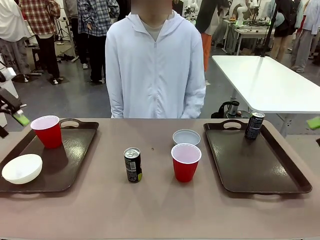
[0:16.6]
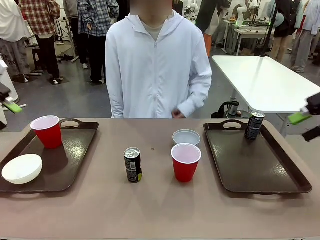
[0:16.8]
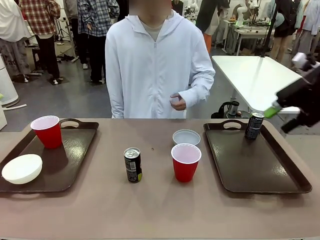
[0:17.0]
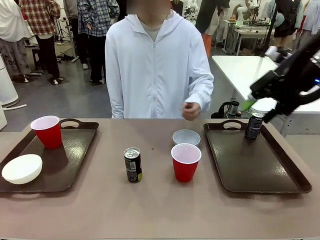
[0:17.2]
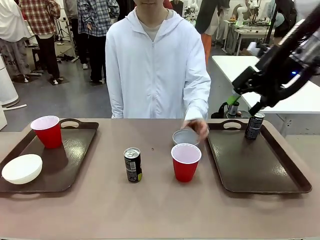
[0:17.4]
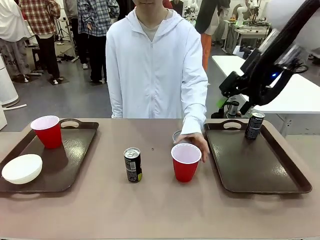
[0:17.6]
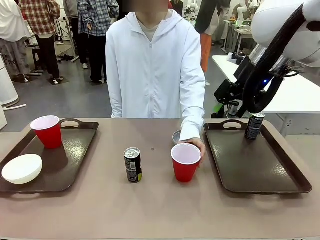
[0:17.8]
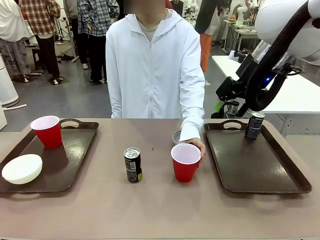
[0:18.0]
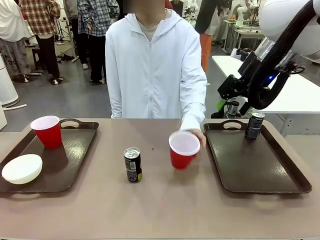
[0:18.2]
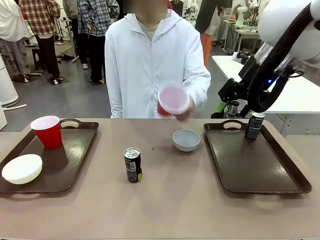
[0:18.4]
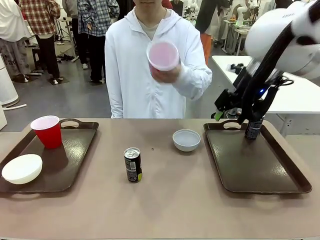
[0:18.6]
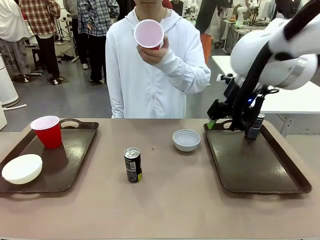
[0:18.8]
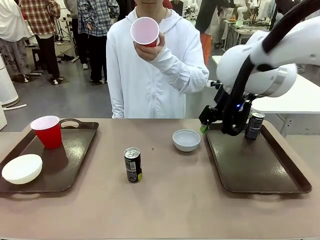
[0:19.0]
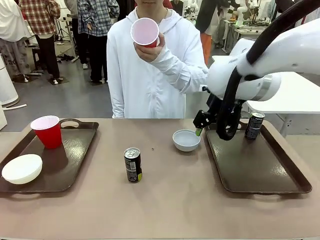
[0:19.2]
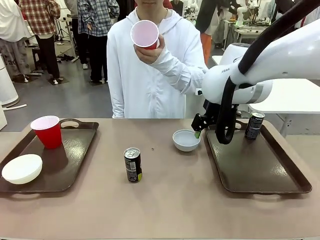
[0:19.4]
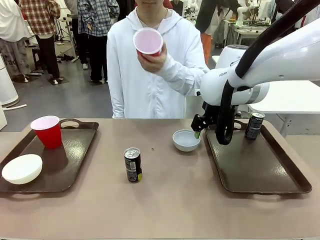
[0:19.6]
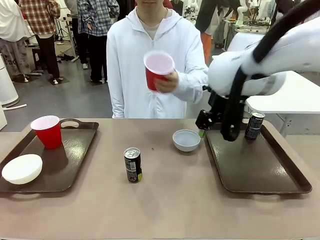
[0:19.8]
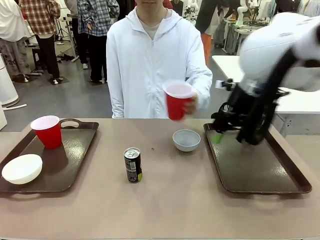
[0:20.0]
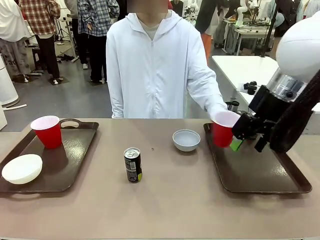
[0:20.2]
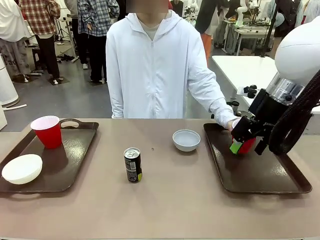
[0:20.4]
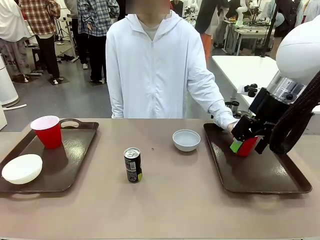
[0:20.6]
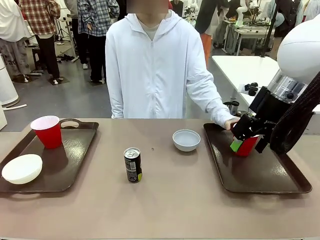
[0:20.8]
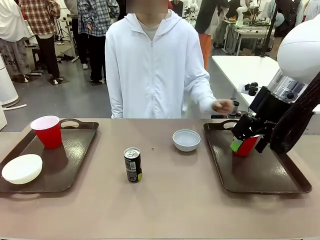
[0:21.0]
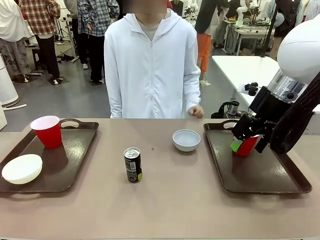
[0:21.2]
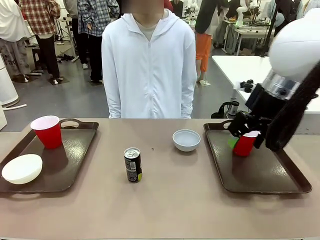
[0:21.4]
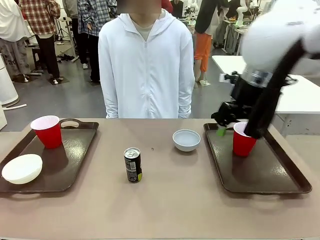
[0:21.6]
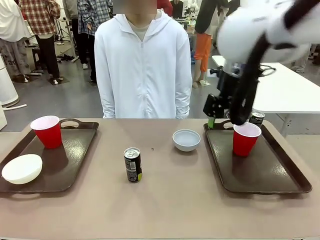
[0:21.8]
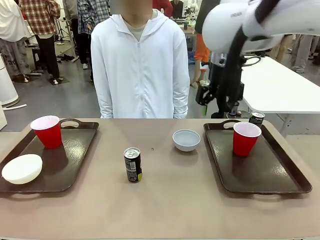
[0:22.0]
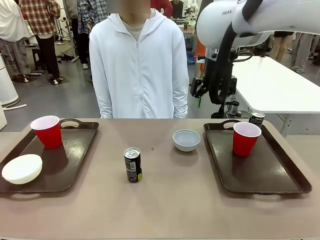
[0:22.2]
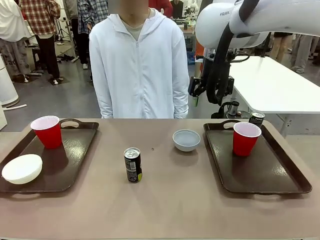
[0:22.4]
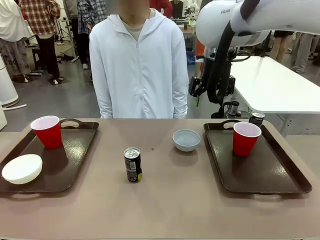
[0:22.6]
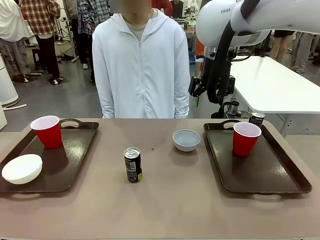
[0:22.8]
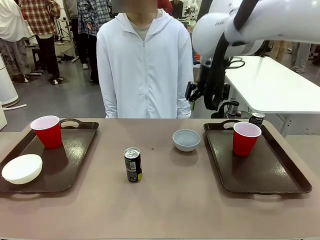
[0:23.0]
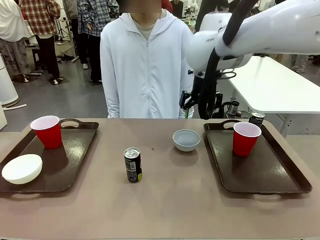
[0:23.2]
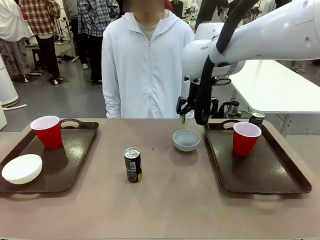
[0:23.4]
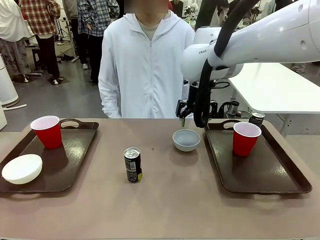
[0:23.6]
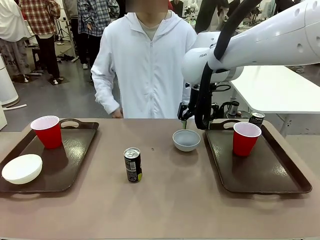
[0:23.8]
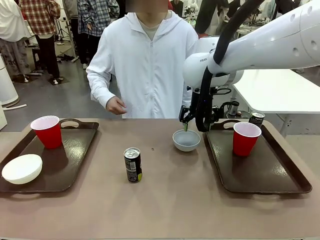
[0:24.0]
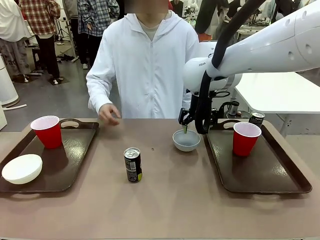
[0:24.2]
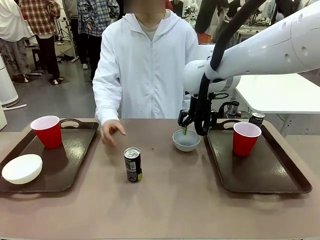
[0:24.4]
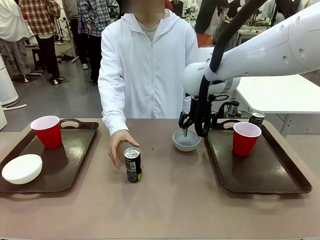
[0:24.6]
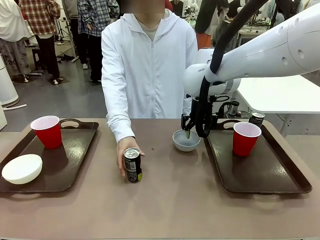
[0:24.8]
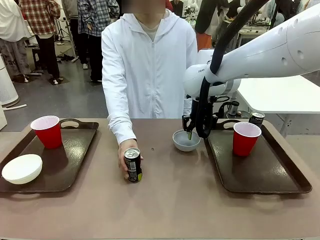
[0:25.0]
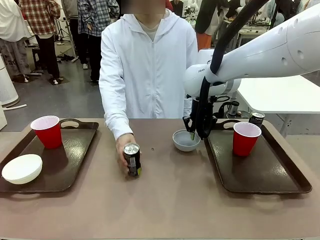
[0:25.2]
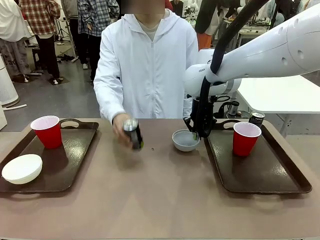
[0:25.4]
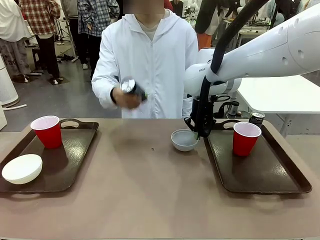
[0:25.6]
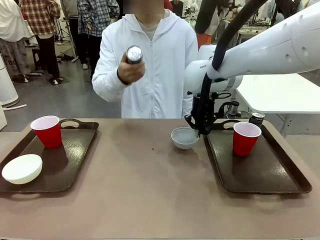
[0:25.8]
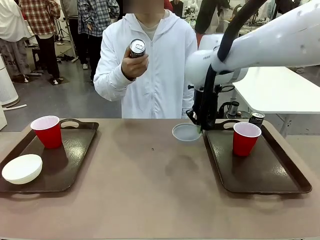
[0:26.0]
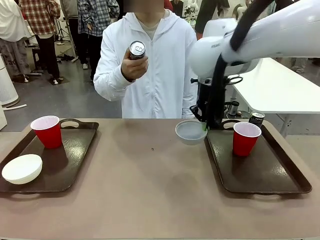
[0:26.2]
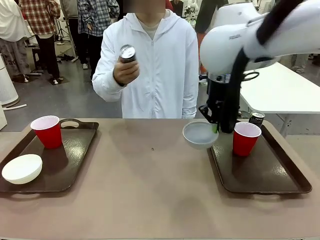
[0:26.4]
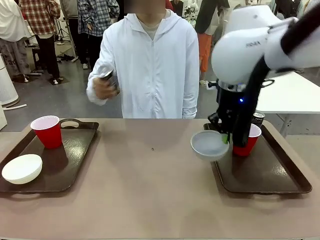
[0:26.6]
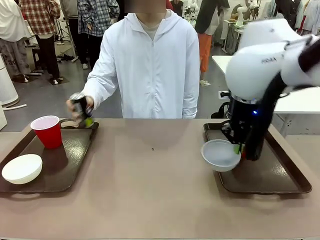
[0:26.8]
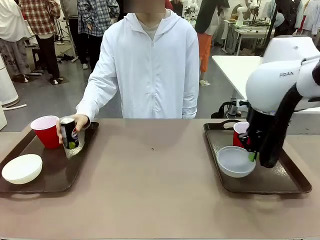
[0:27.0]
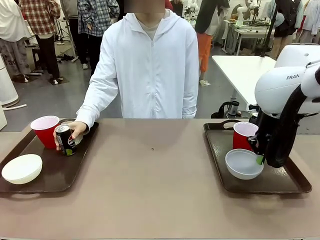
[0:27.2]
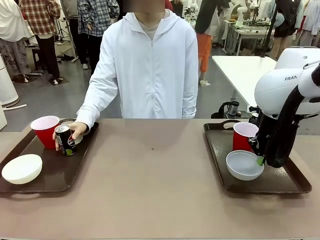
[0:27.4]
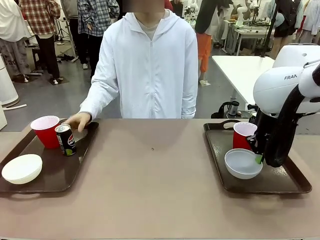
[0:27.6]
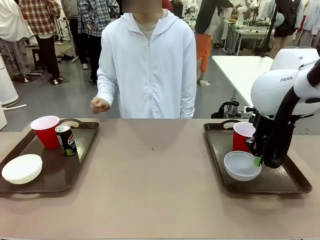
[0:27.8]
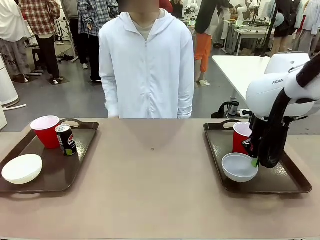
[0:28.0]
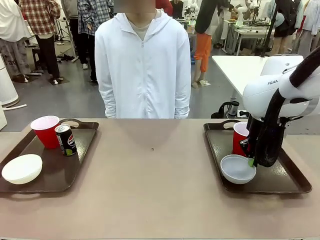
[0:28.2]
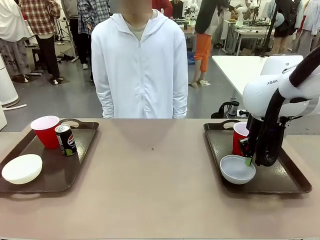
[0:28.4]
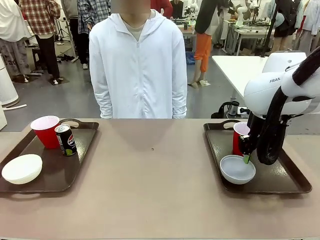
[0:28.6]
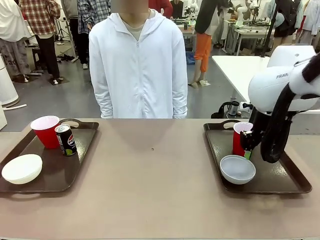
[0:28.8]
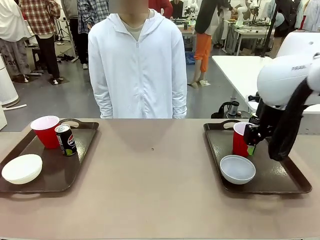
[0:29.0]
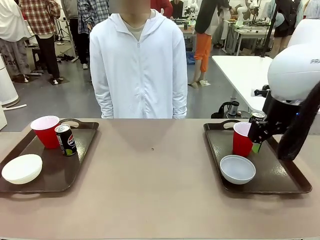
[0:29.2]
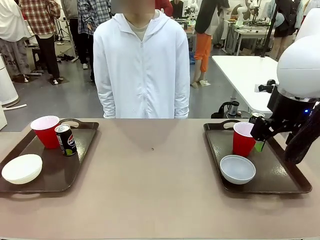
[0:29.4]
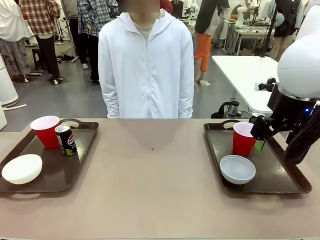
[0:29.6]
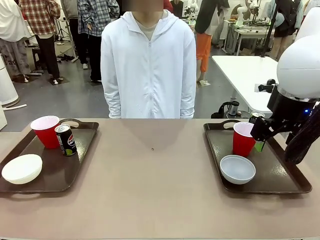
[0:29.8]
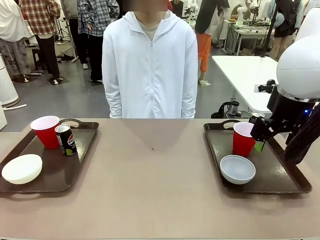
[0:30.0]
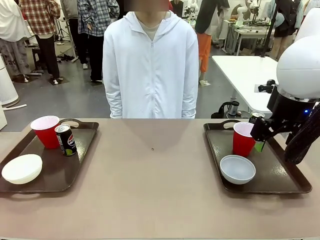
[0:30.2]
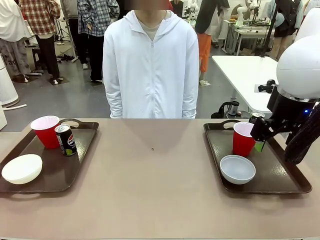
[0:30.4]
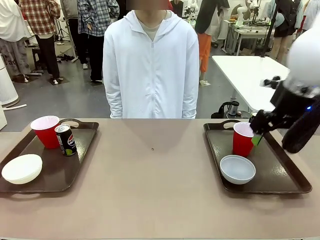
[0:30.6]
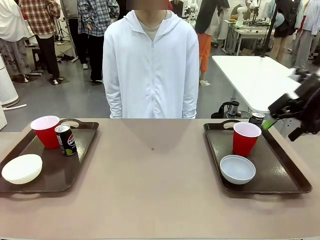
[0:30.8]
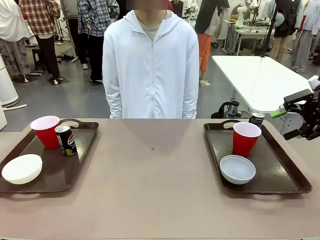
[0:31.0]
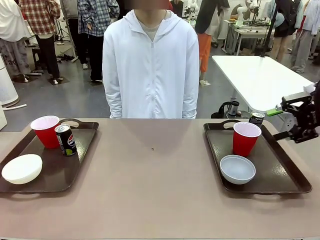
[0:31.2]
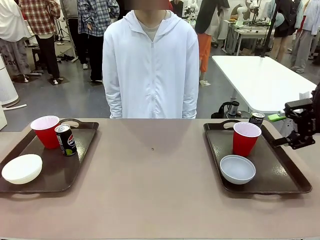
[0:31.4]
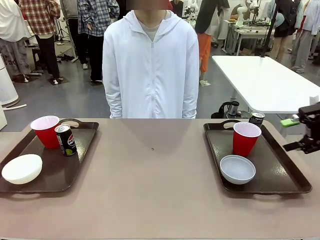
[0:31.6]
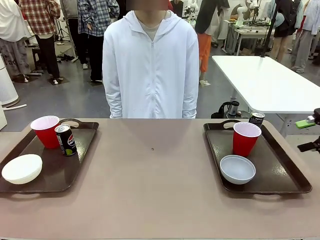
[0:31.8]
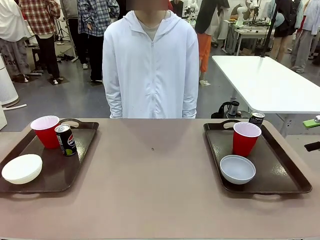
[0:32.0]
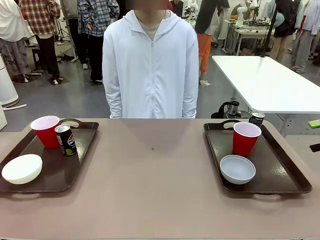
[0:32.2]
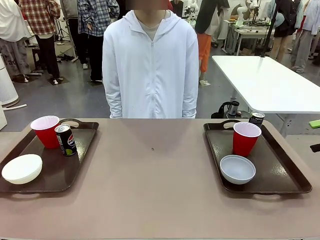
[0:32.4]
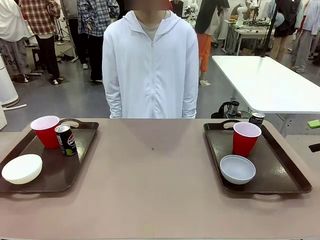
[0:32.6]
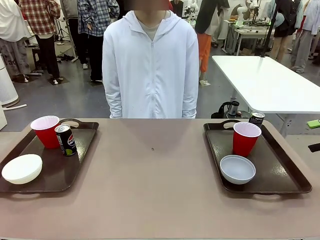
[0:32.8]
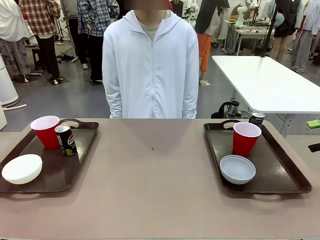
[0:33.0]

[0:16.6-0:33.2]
Task: Prepare tableware on both trays.
Robot: Pick up a Picnic Bowl from the table and place it on a Handle tray.
Person: Pick up a can or cup and place it on the tray without a can or cup.
